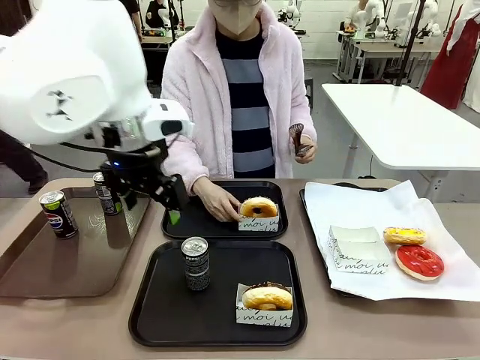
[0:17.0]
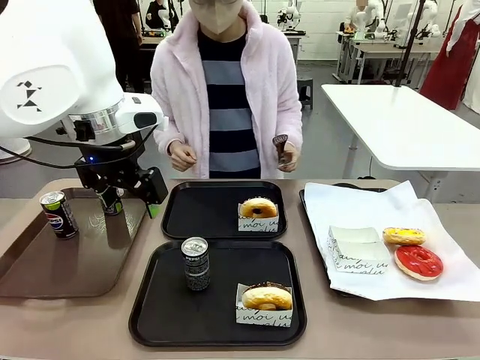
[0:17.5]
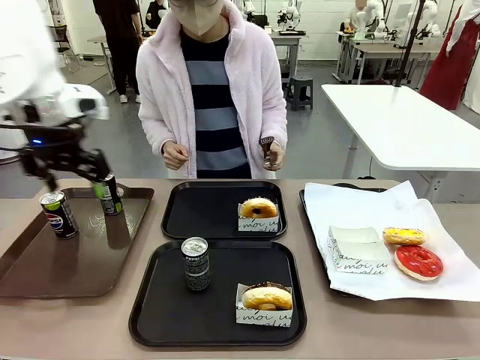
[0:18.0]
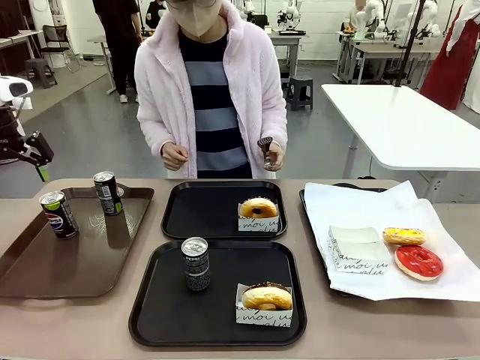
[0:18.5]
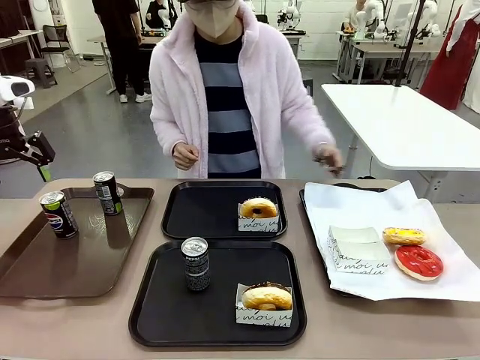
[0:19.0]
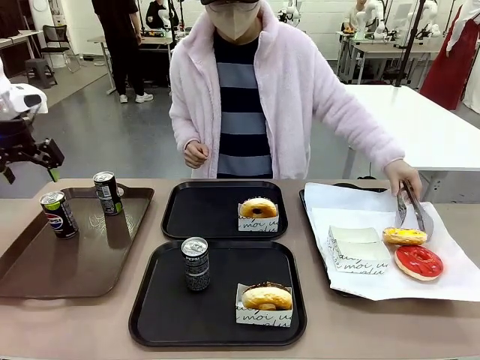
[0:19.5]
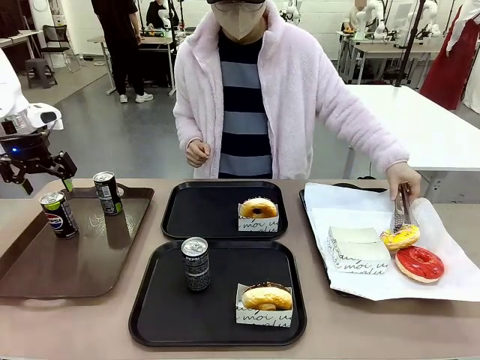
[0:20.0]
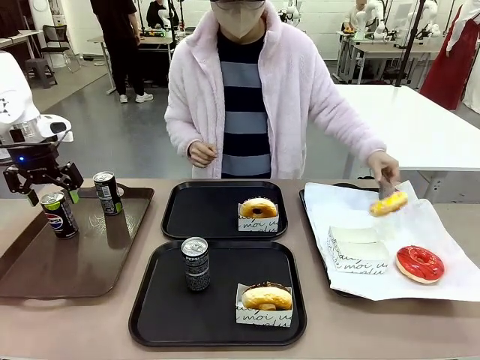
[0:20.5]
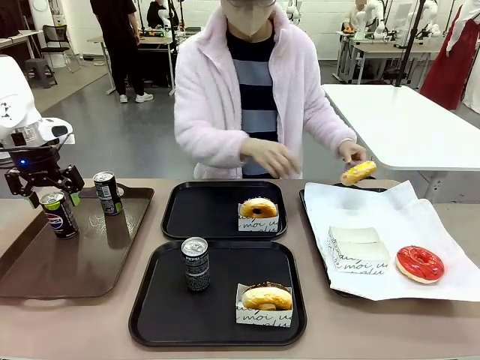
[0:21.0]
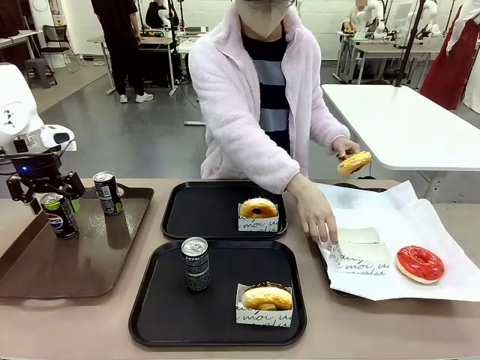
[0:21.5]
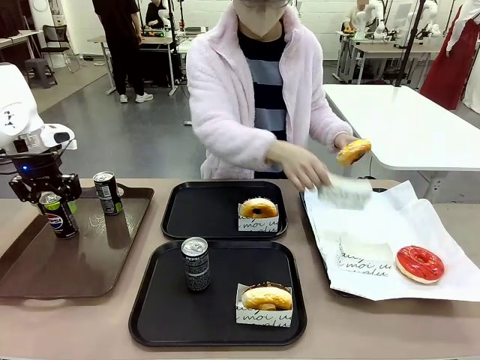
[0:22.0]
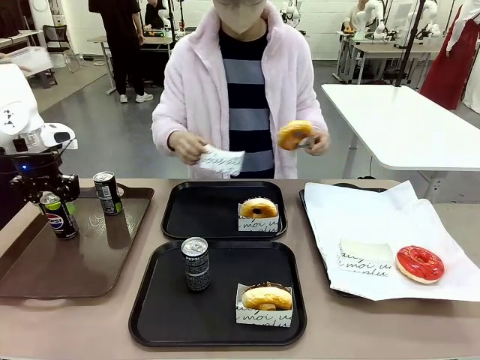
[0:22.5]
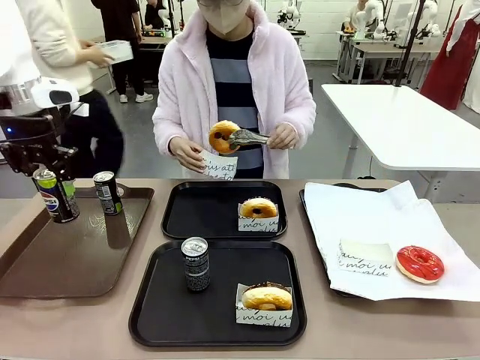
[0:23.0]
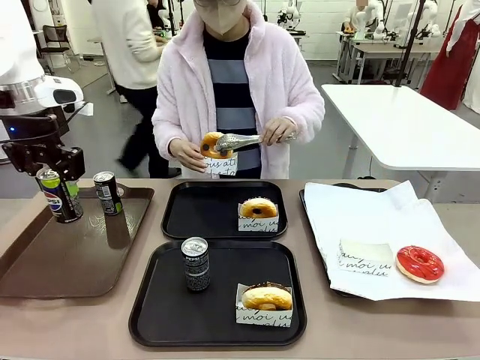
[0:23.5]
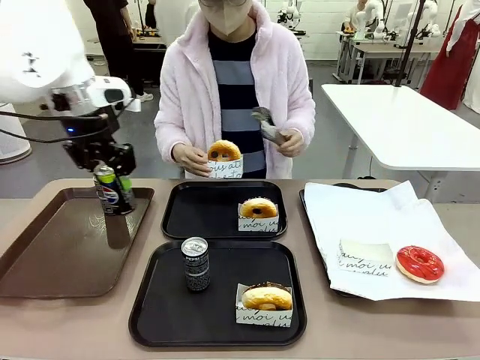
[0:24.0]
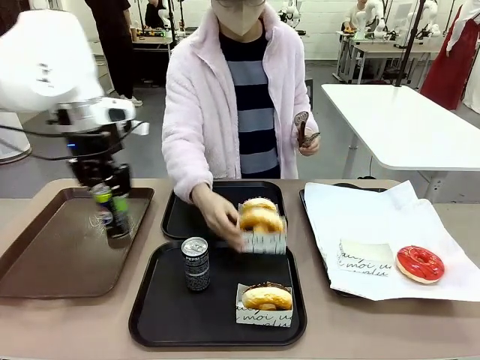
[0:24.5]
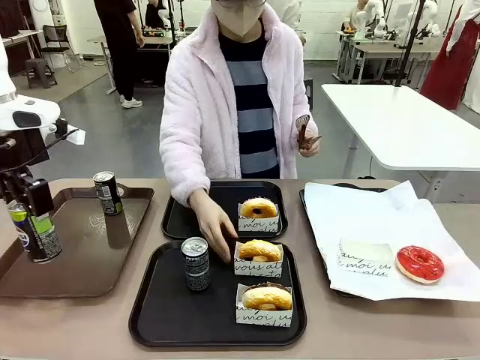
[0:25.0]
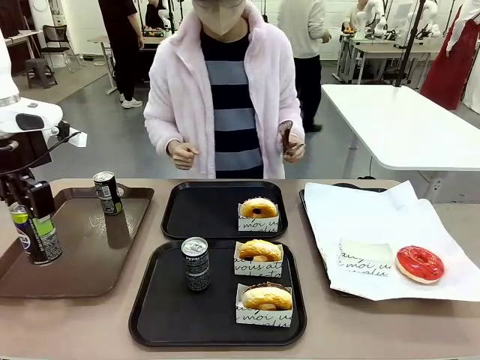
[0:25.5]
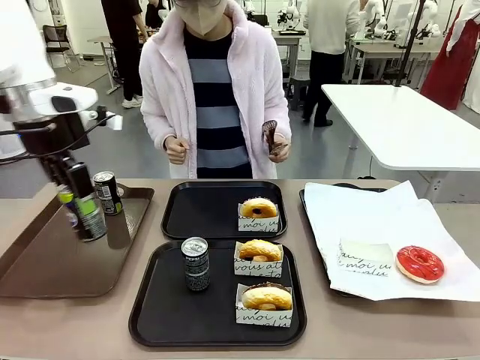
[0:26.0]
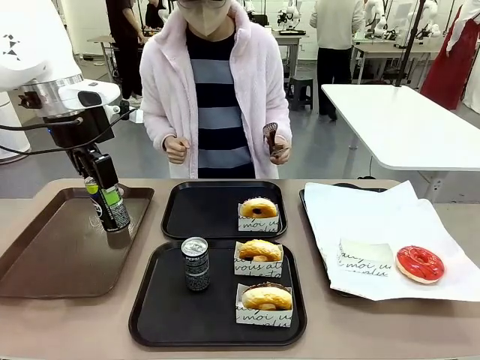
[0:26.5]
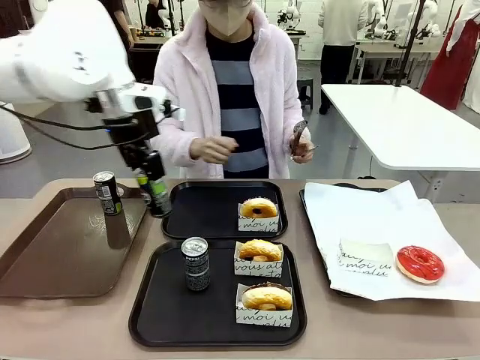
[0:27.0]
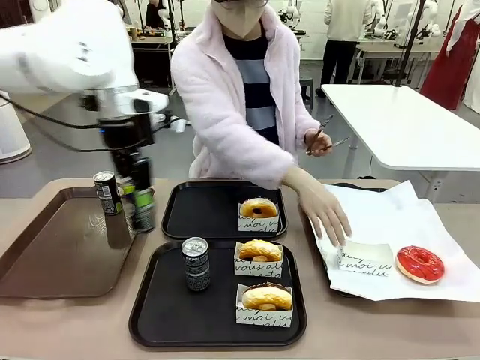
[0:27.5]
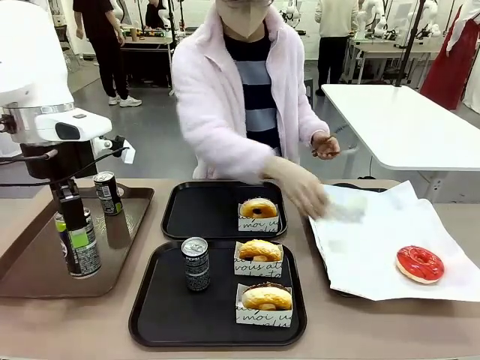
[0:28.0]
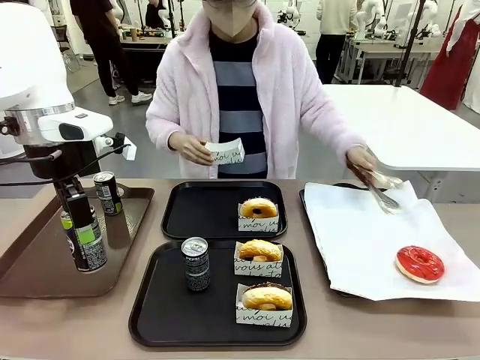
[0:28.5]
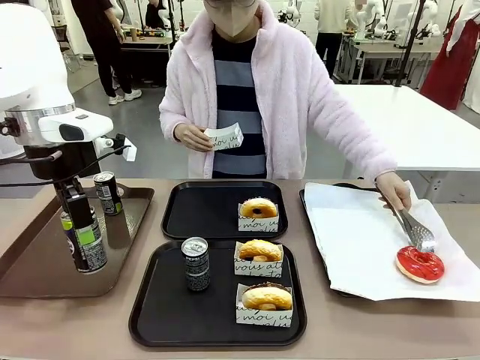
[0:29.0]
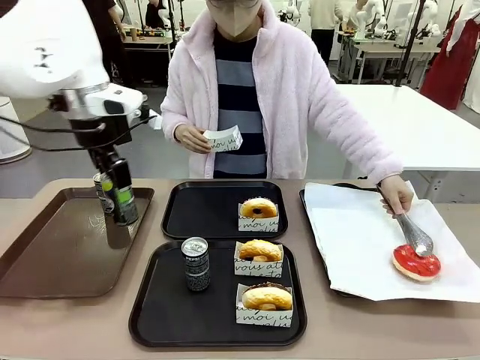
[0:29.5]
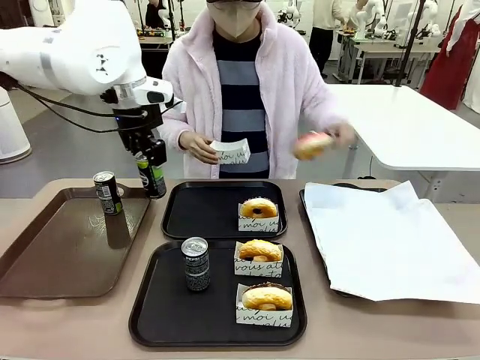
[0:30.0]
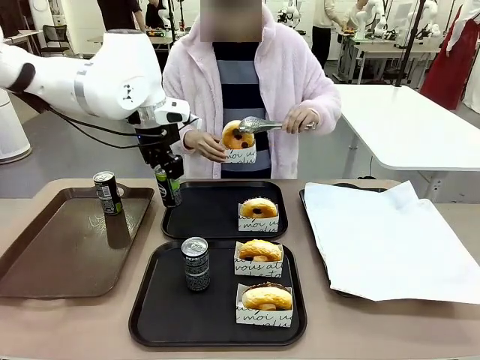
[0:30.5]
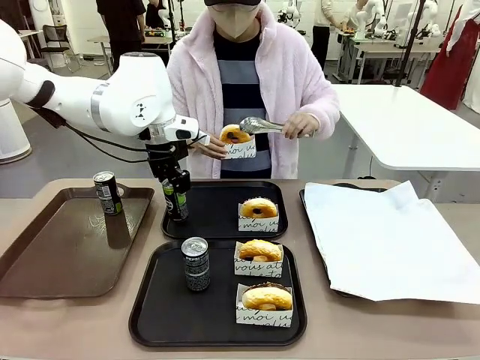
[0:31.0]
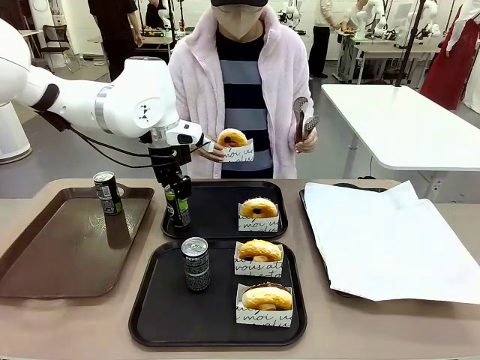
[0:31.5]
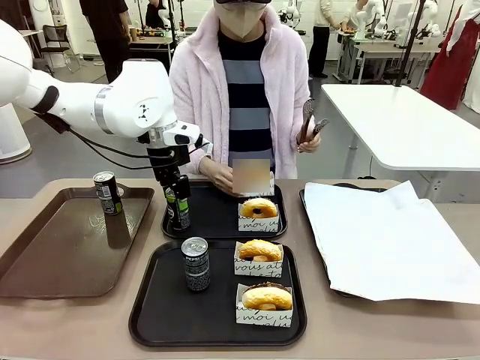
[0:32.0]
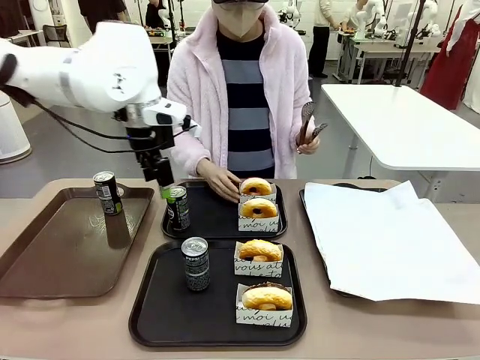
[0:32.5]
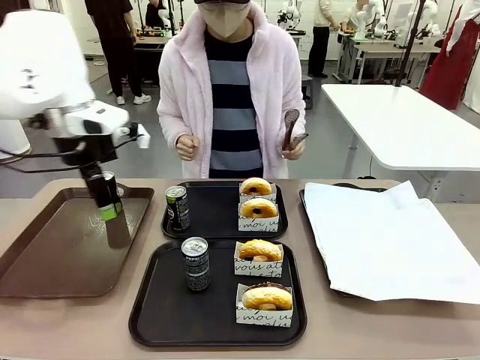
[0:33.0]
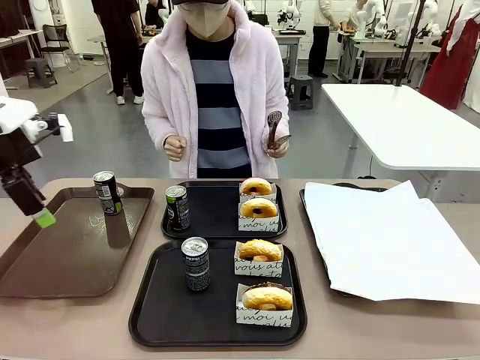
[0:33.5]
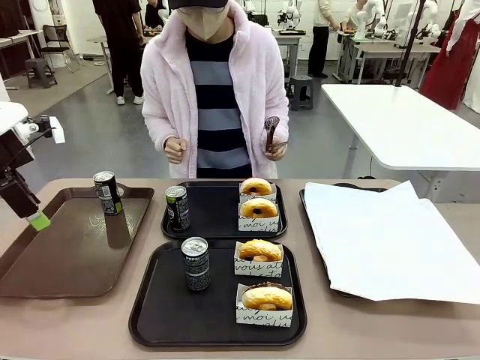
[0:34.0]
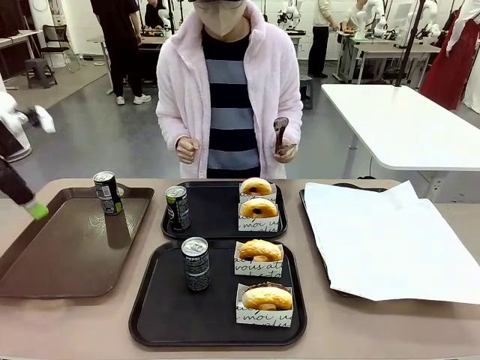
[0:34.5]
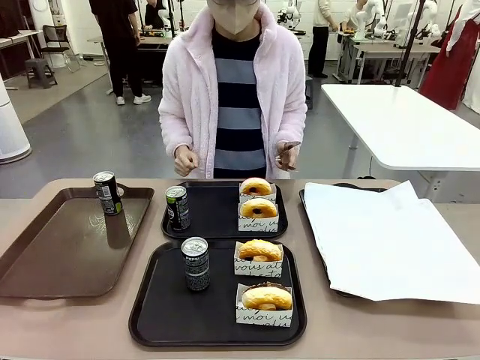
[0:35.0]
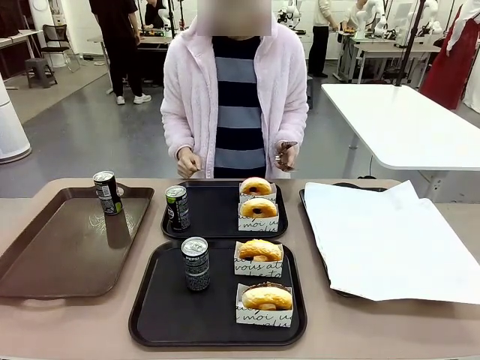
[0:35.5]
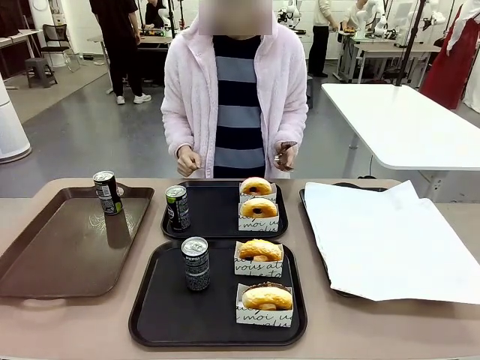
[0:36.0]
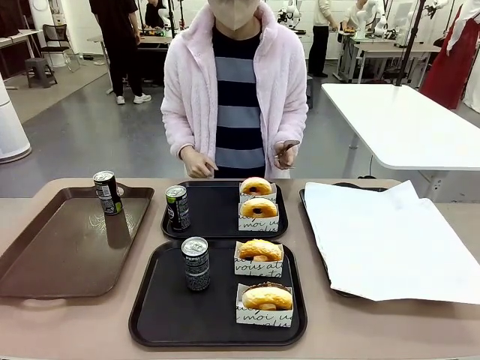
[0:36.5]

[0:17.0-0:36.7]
Task: Set up donuts and drinks on trays.
Robot: Pick up one Pepsi coke from the Handle tray and place it on the Flat Tray without a Pepsi coke.
Person: Pick up one donut with tongs, place it in the donut tray, and then place the donut tray on the flat tray.
